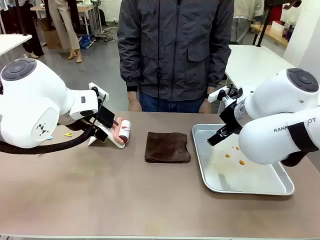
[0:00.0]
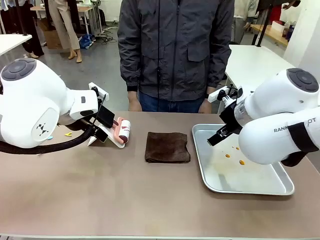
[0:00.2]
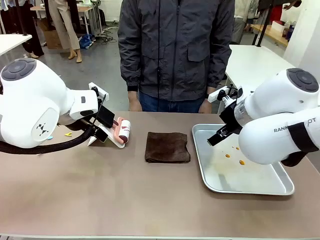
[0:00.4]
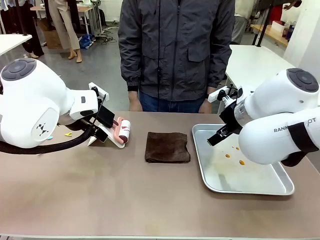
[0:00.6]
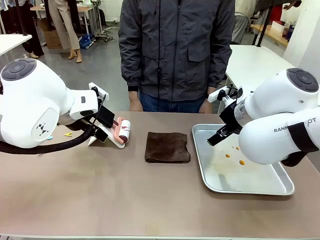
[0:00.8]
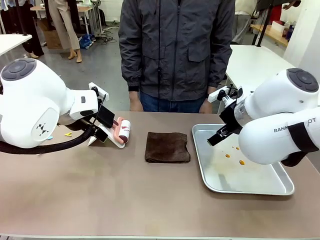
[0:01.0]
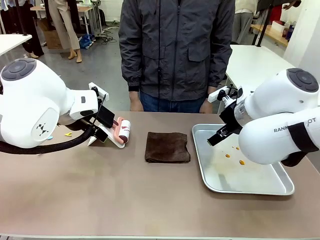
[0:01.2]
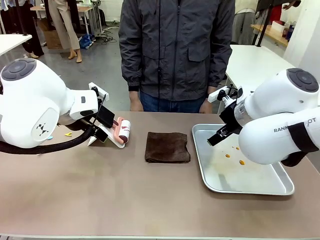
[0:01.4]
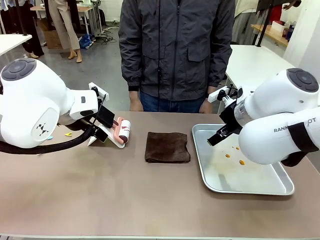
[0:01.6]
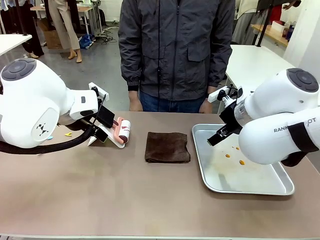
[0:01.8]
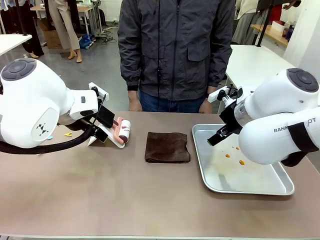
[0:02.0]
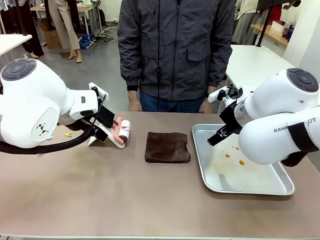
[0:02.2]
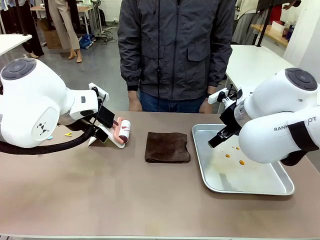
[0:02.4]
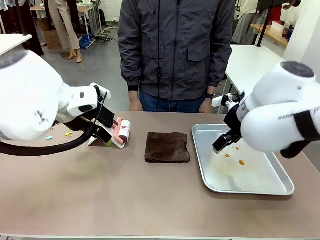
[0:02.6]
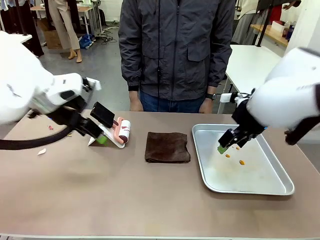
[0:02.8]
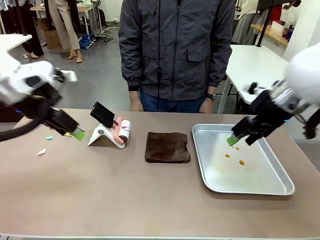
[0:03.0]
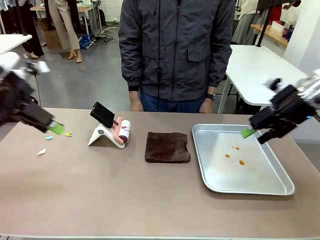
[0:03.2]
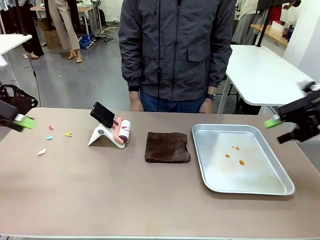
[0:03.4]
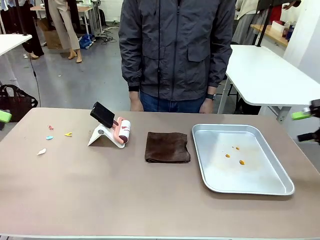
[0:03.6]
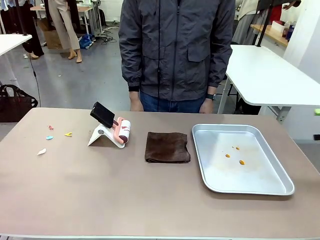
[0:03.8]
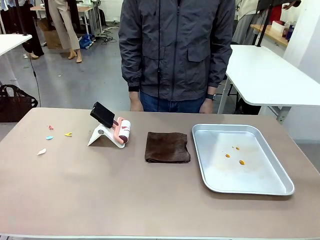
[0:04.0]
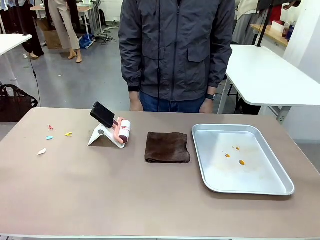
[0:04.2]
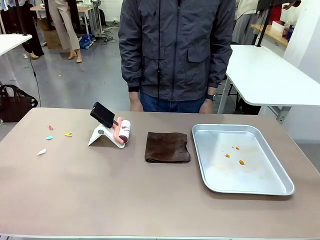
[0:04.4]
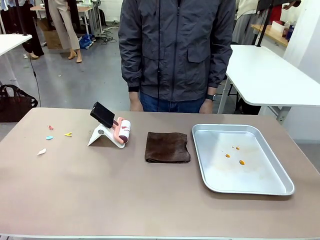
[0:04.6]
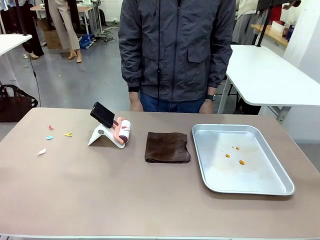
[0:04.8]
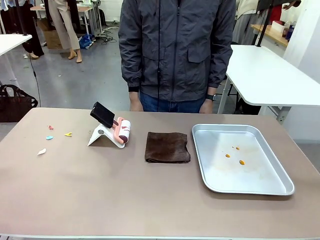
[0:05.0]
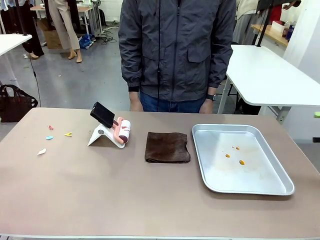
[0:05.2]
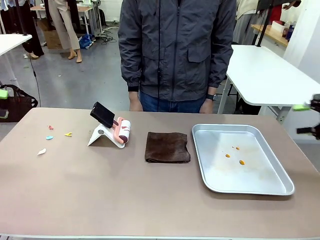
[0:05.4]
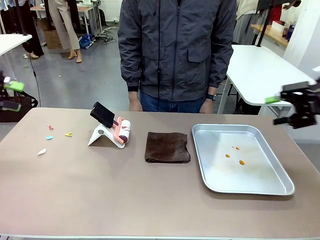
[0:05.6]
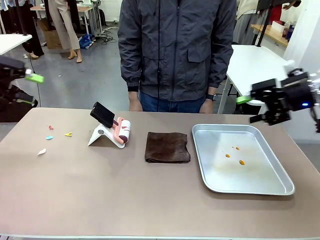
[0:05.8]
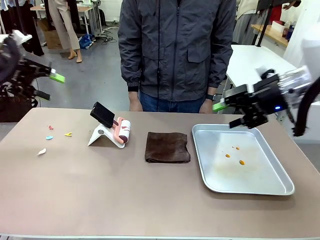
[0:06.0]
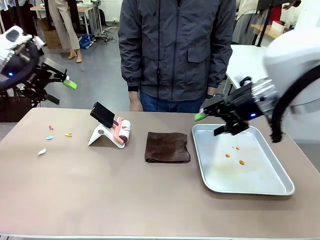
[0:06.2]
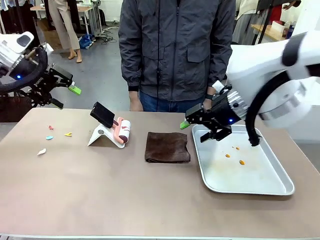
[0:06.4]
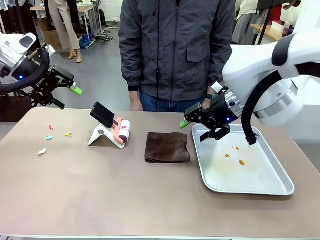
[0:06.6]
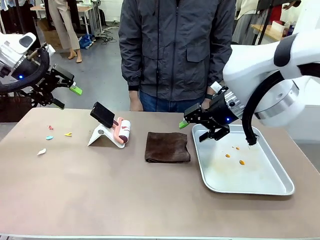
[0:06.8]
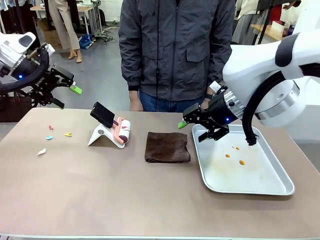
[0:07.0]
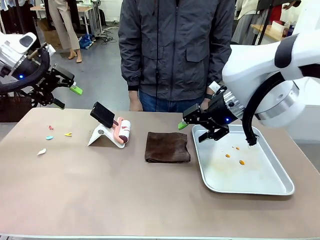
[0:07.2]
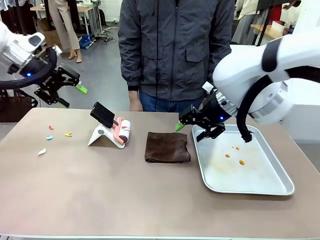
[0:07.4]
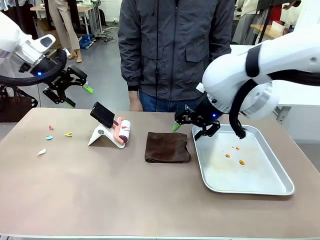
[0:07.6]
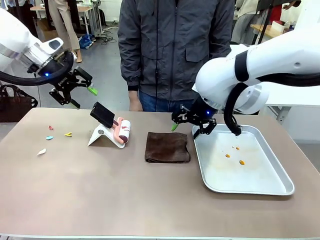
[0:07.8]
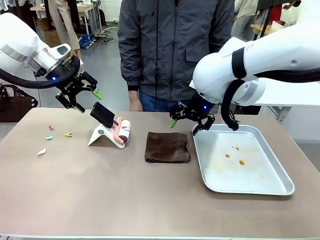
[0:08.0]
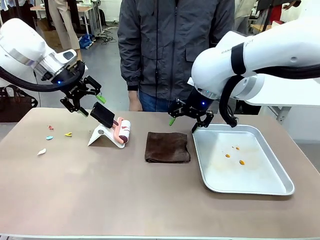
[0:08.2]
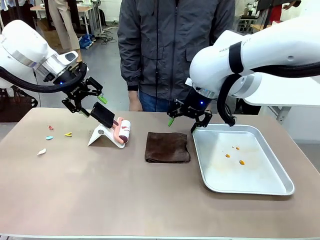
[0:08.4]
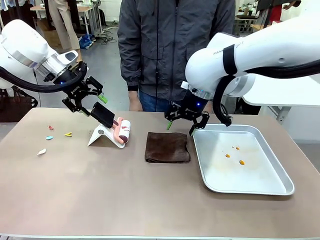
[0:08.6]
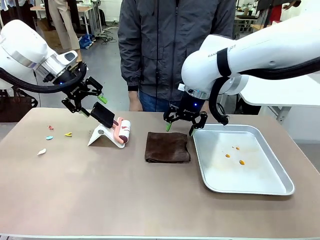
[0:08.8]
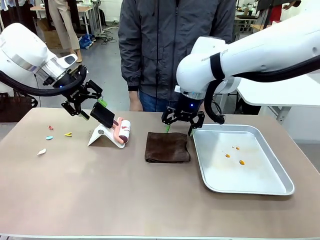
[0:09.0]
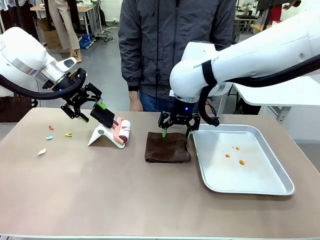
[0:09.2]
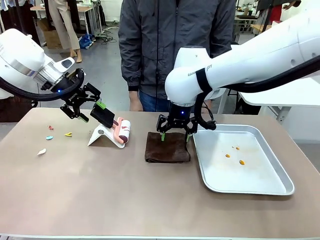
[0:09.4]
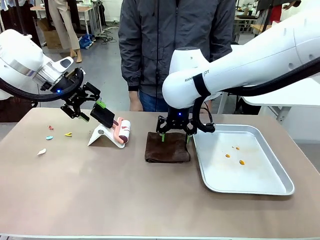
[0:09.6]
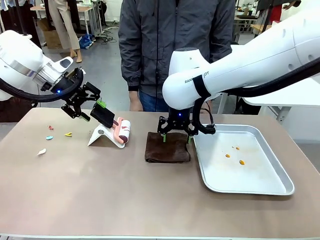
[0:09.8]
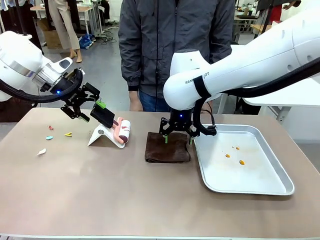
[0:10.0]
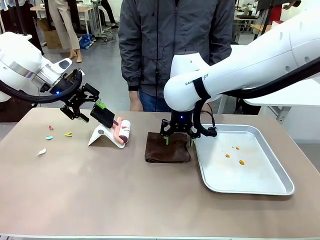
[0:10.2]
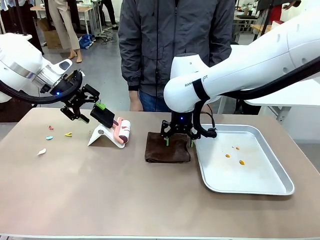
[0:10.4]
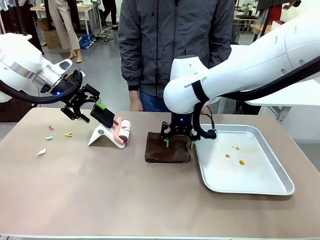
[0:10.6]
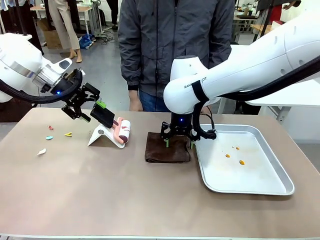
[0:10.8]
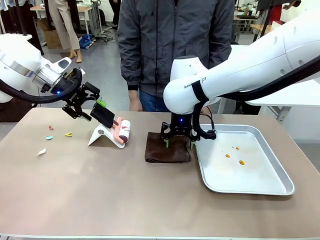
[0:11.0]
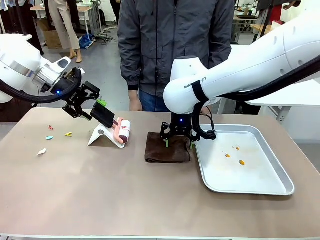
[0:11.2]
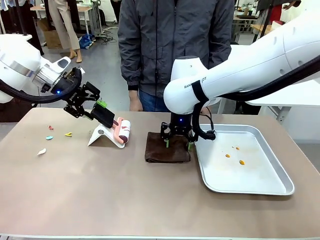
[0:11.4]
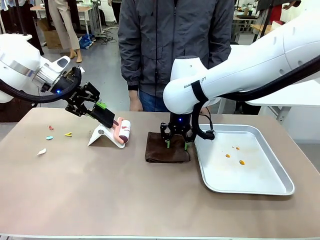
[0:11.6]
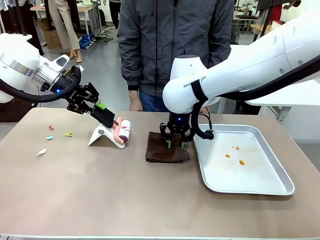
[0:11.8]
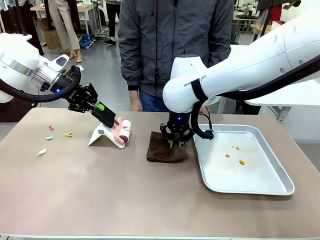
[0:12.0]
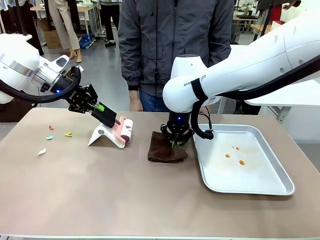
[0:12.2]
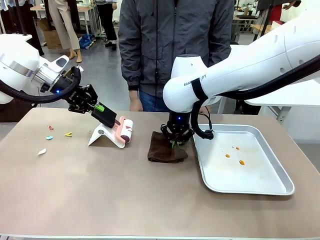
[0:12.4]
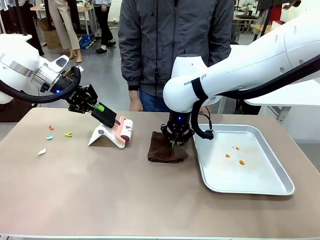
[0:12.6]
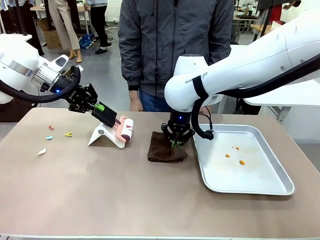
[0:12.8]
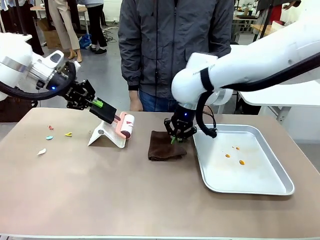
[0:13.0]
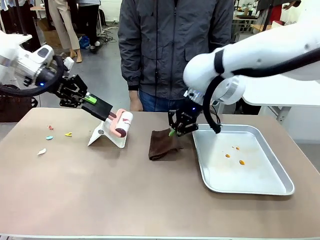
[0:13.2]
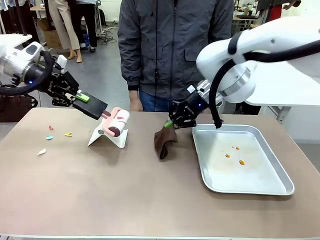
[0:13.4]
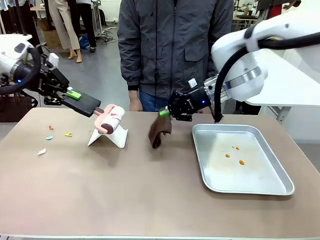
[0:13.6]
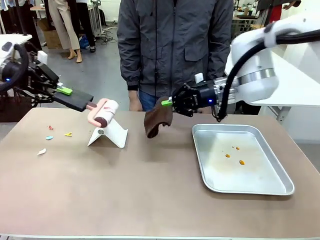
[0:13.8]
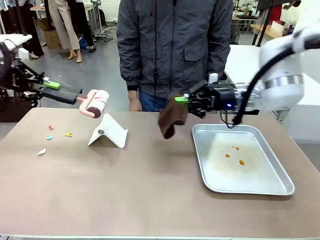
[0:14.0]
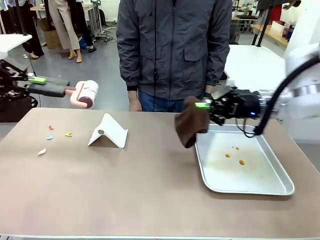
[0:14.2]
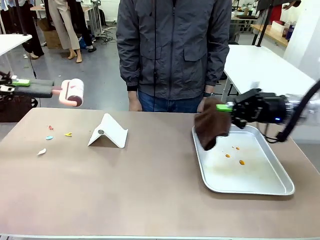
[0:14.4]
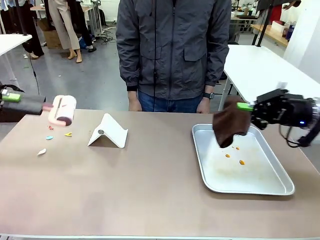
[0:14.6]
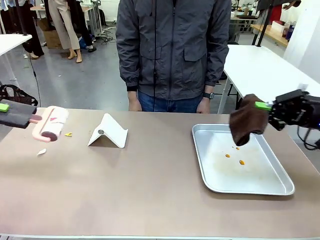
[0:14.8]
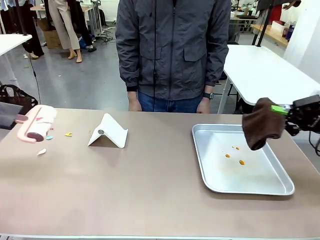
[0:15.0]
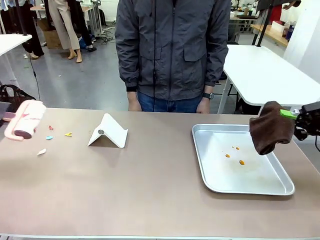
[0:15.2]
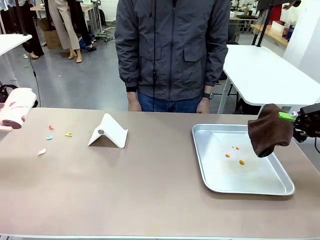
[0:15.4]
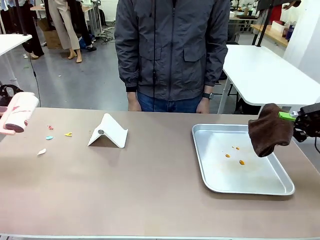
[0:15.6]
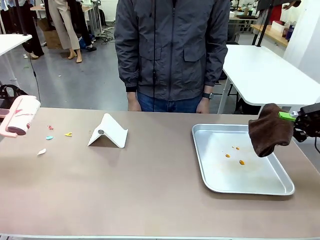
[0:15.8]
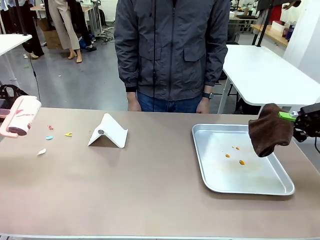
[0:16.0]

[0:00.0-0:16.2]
Task: Clean the surface of the table.
Robot: Hold the Lint Roller with your left hand and the towel with your right hand.
